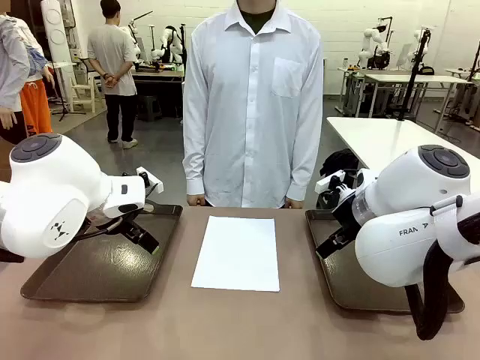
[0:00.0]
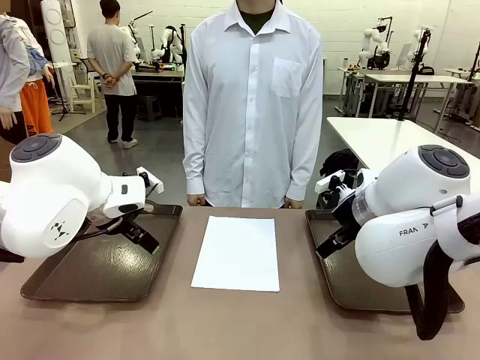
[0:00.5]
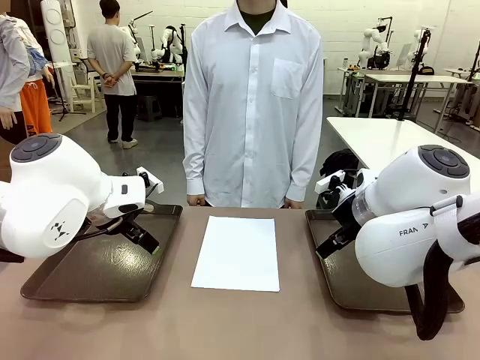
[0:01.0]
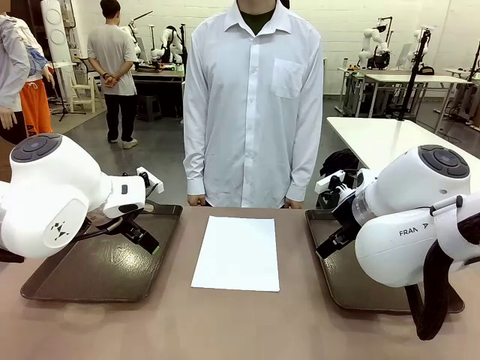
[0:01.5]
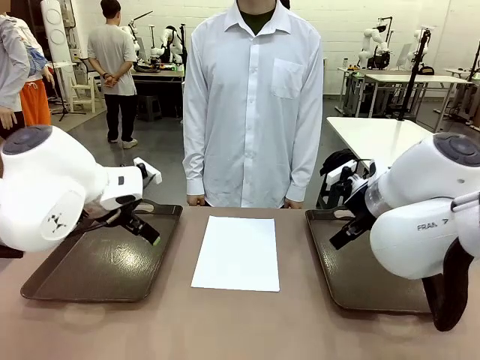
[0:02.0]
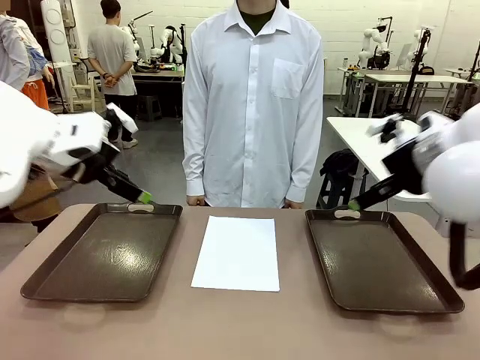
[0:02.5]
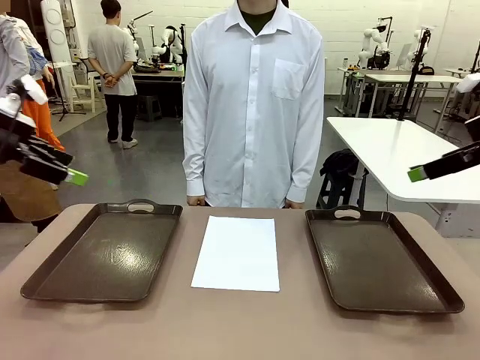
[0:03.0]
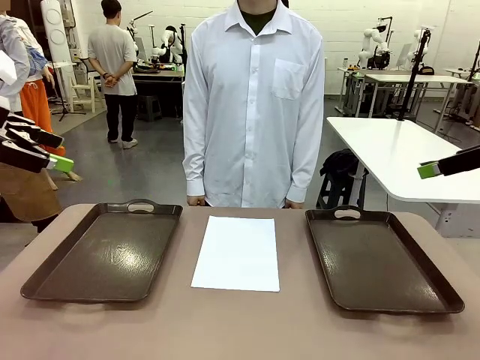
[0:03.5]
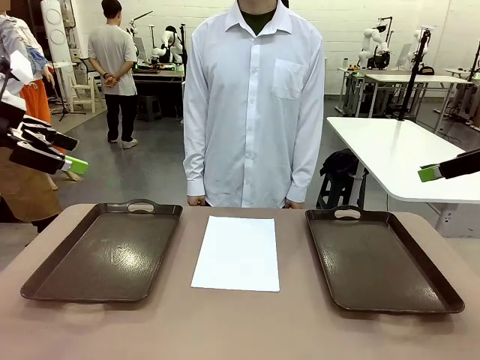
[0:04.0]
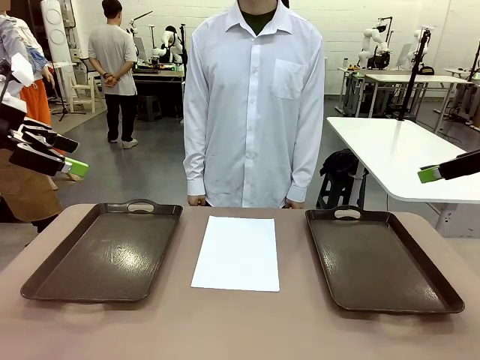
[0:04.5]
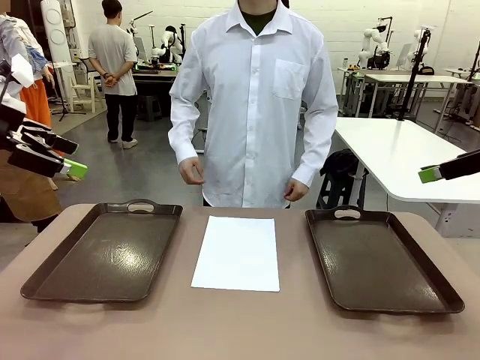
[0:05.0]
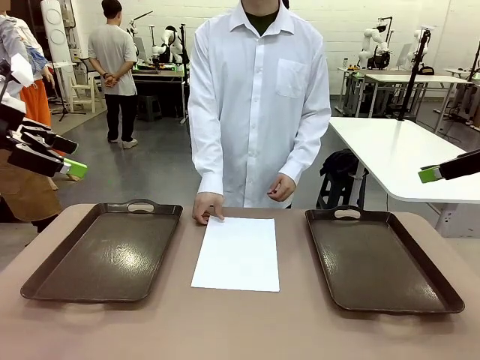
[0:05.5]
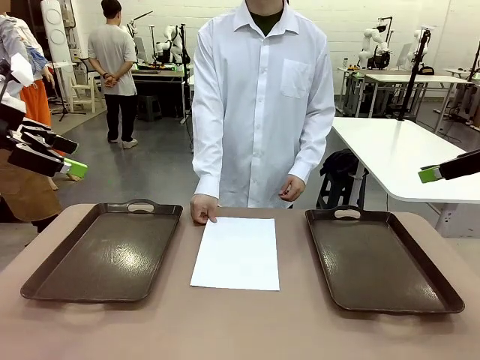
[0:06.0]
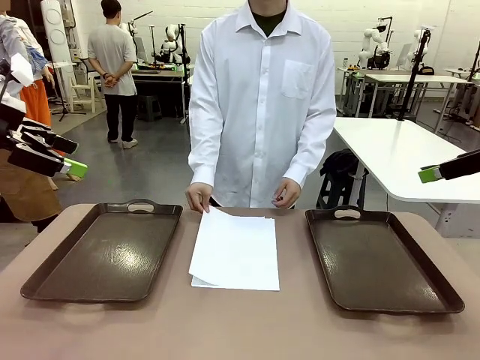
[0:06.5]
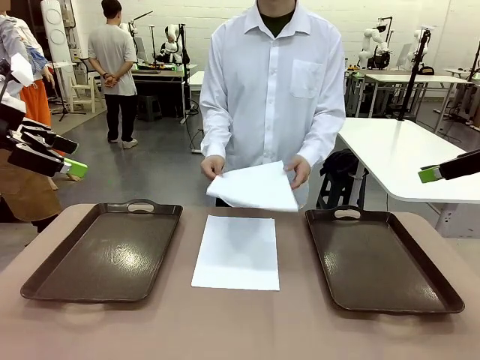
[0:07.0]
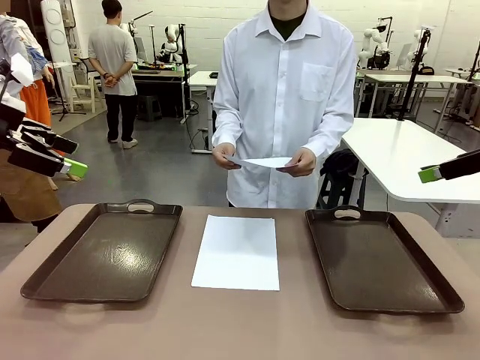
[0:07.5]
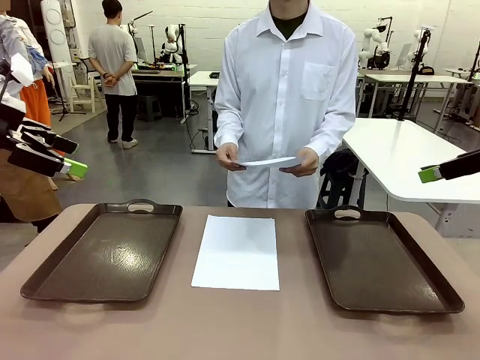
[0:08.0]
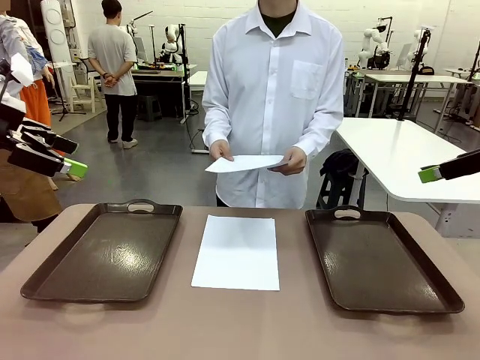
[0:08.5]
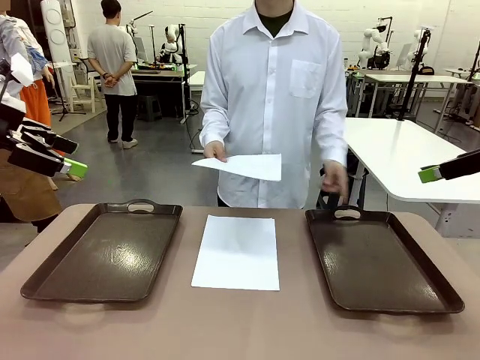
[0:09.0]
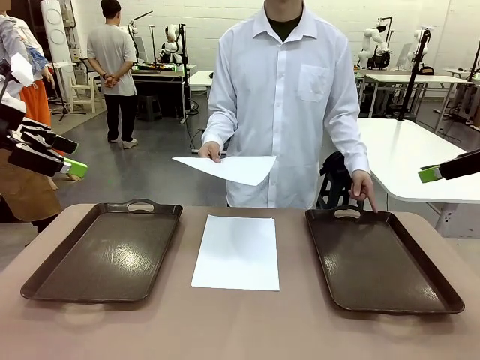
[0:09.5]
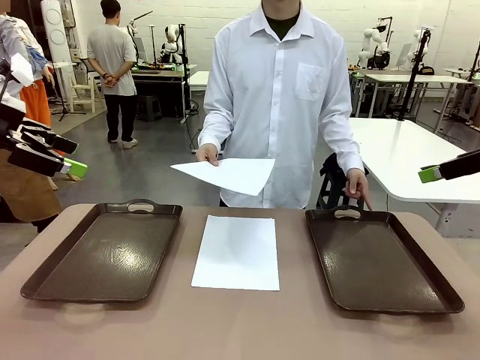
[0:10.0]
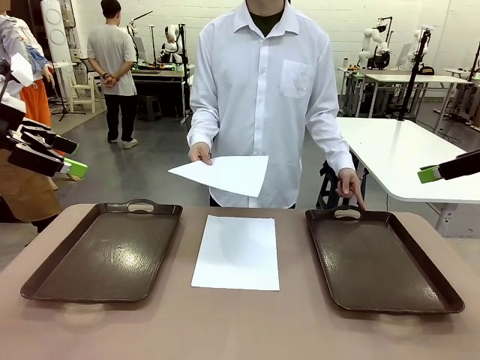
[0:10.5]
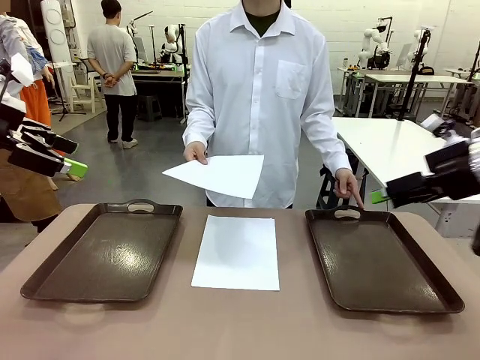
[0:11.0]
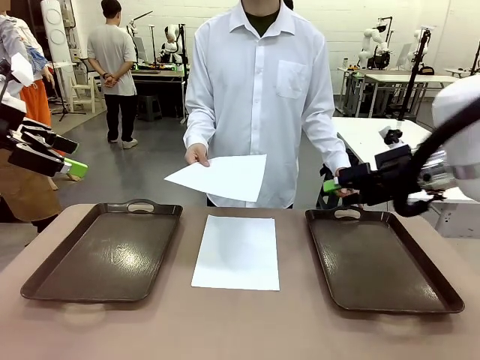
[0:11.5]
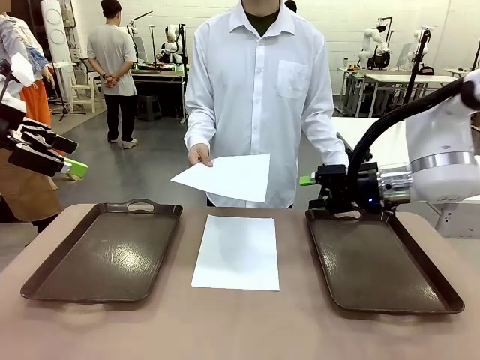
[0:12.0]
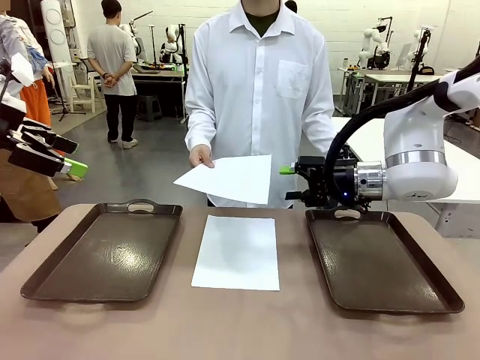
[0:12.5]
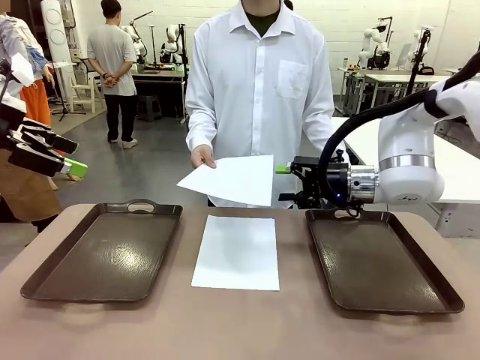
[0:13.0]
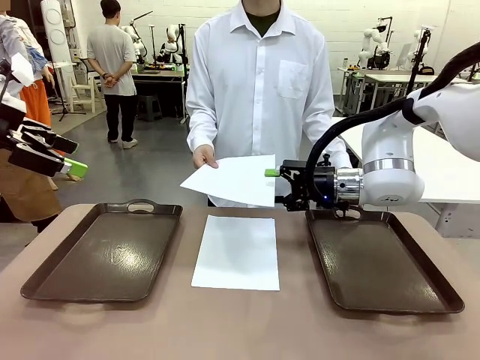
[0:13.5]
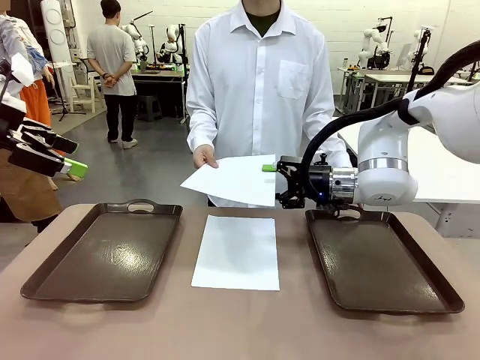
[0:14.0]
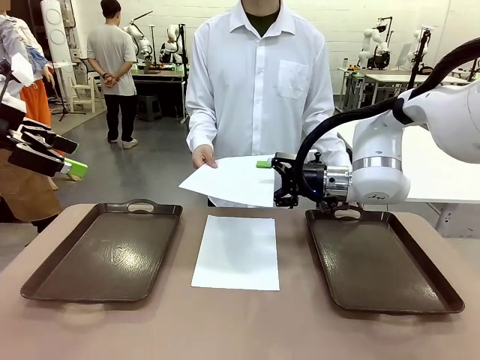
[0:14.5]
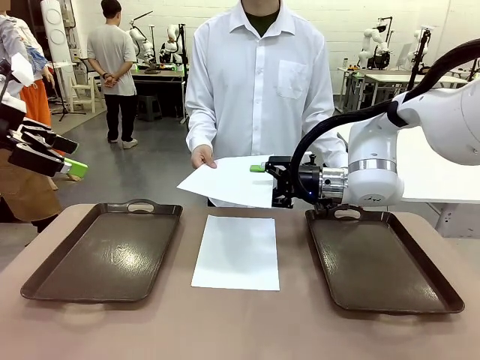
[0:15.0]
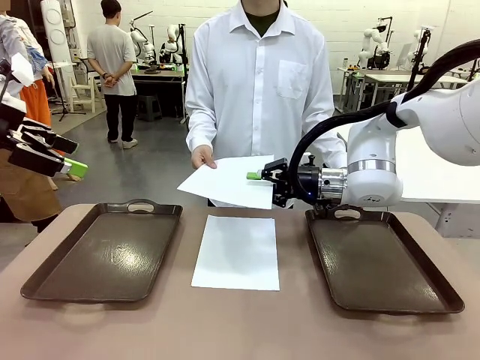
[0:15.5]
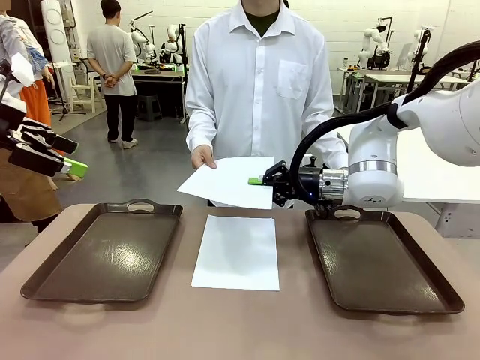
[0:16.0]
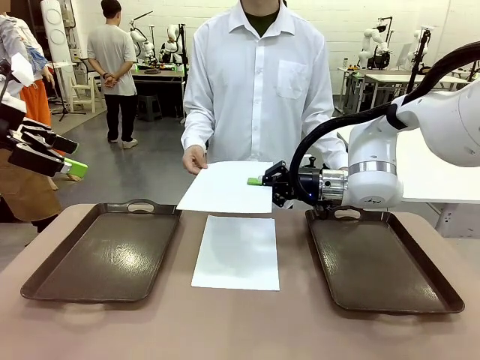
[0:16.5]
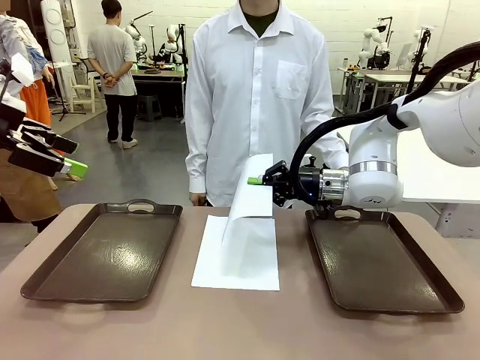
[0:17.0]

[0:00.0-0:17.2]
Task: Sort the A4 documents.
Robot: Receive the A4 Paper.
Person: Pick up a sheet of paper from the center of the table and hand it to the robot. Point the randomly selected tray with the other hand.

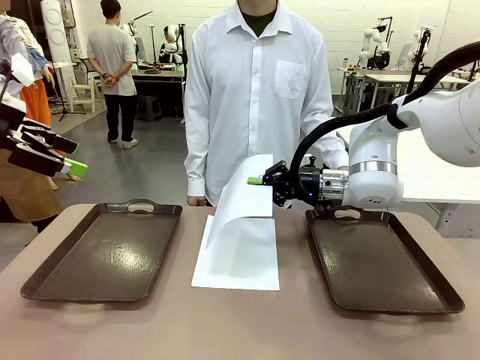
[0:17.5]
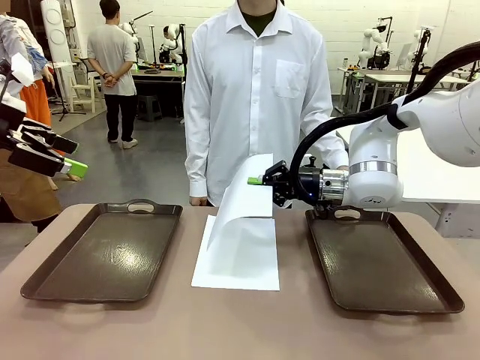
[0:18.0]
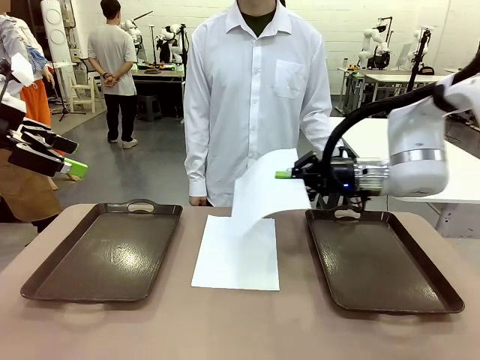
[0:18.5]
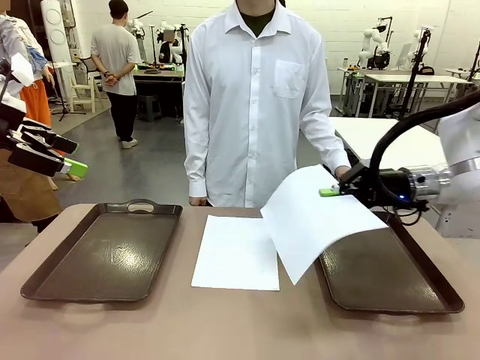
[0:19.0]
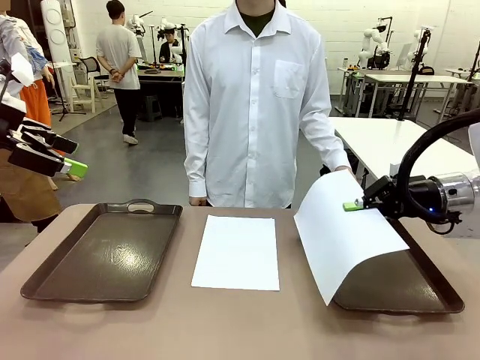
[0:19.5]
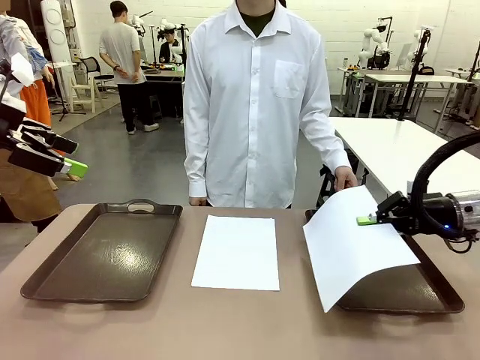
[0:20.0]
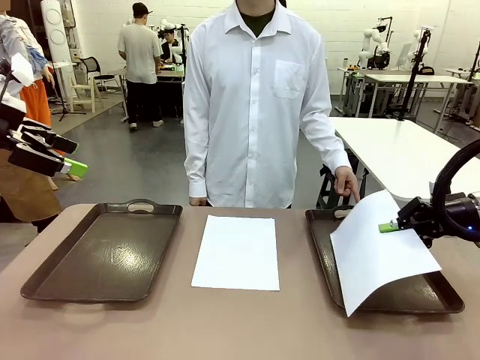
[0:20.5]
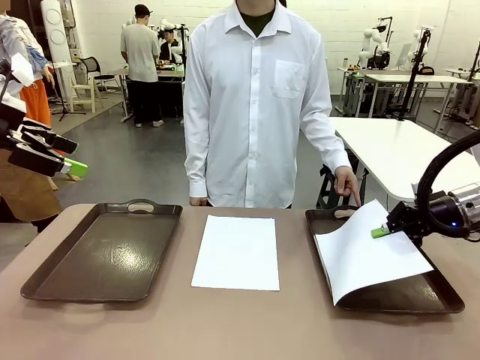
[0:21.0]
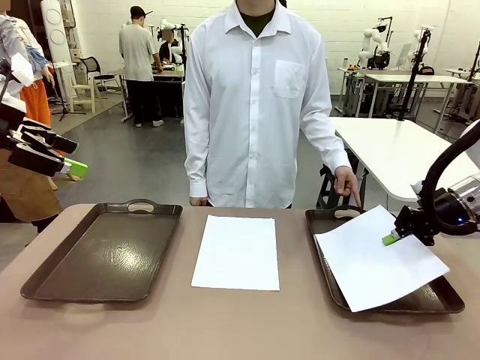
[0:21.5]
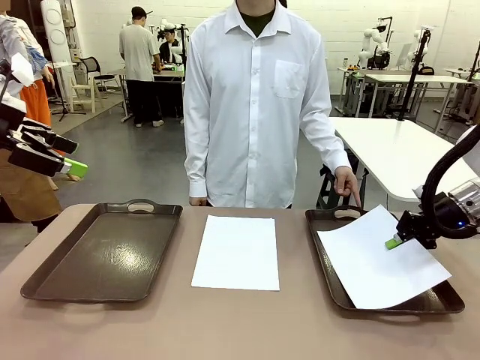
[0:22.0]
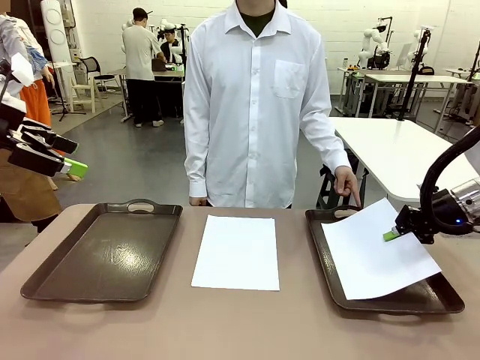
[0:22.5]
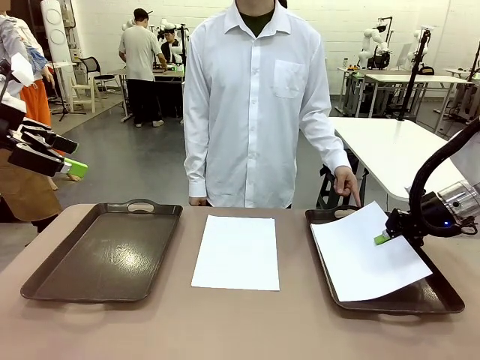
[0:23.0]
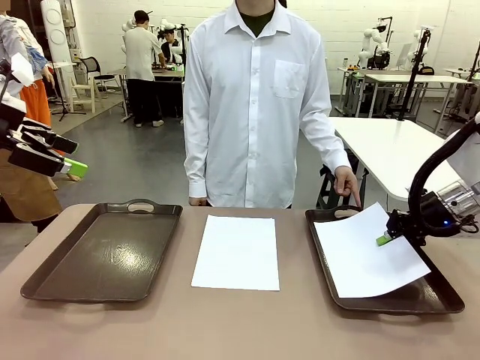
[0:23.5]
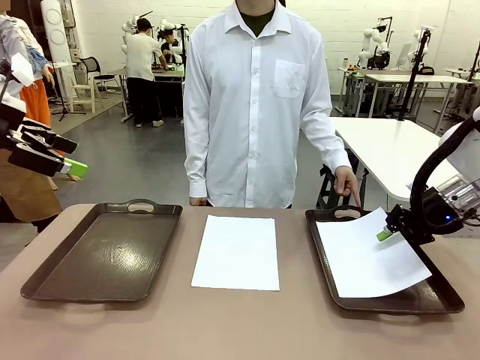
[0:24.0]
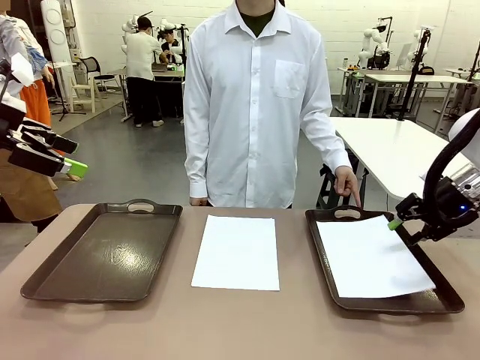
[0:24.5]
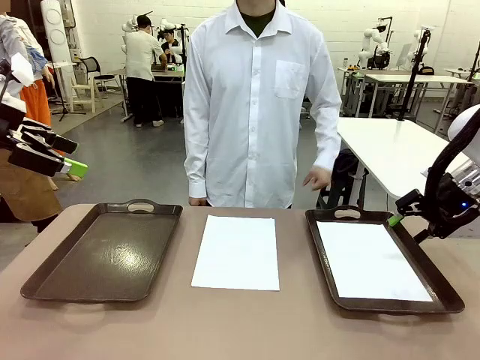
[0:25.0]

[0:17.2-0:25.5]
Robot: Place the A4 Paper in the designated Handle tray.
